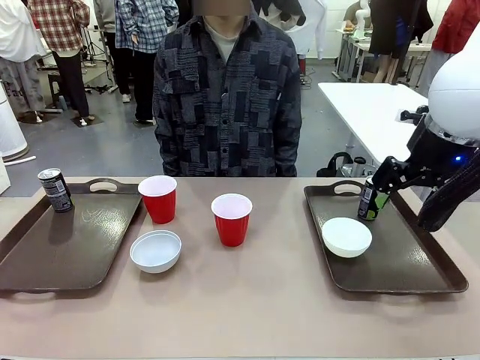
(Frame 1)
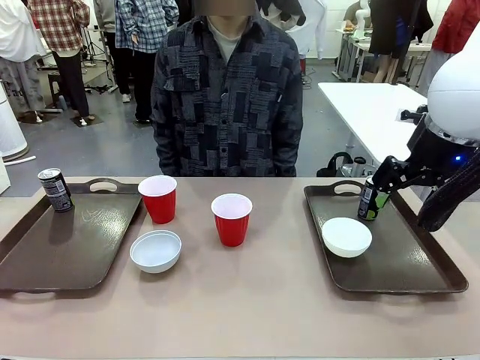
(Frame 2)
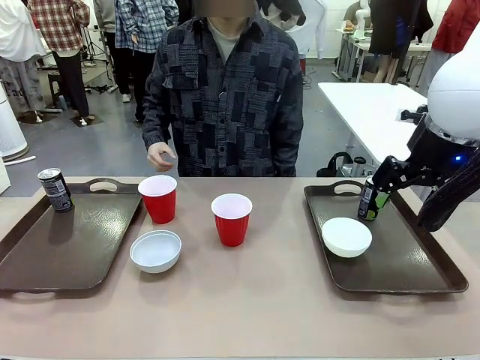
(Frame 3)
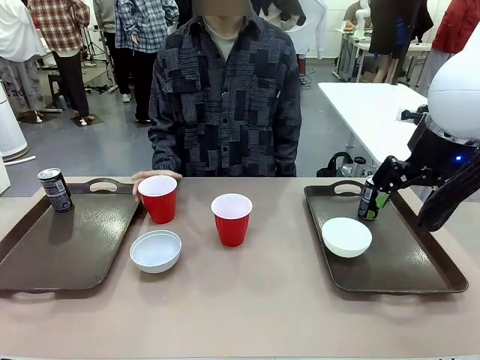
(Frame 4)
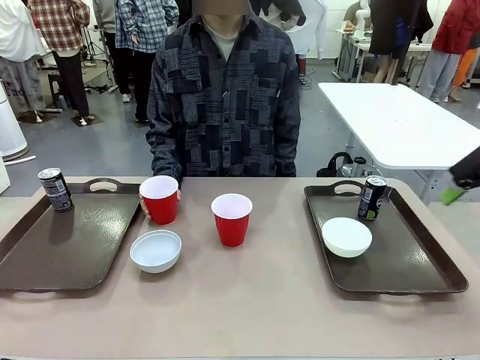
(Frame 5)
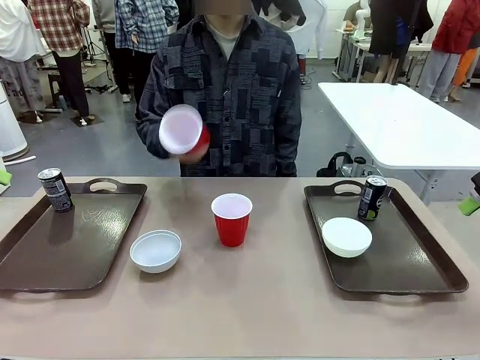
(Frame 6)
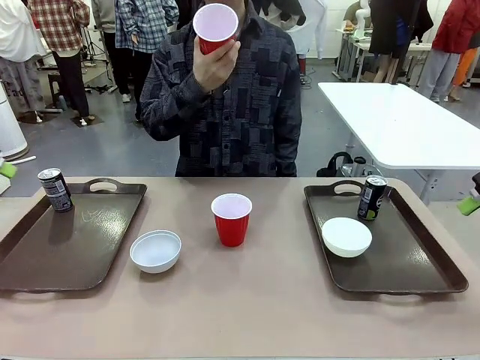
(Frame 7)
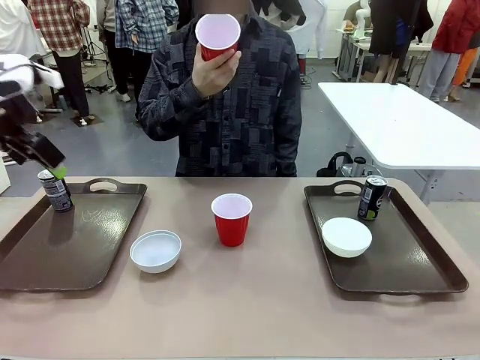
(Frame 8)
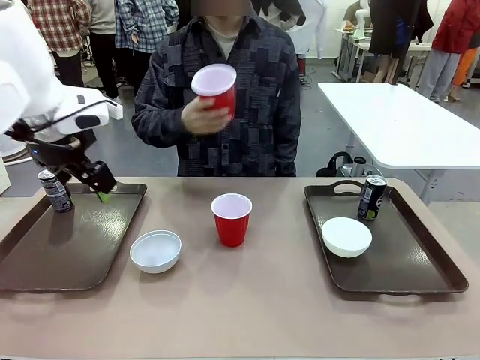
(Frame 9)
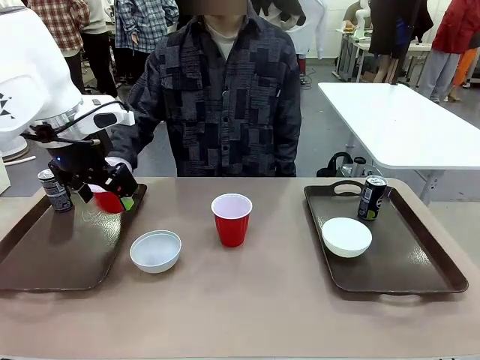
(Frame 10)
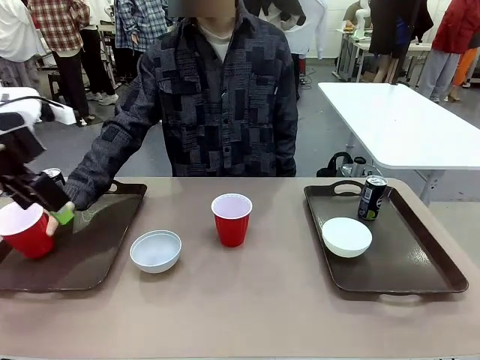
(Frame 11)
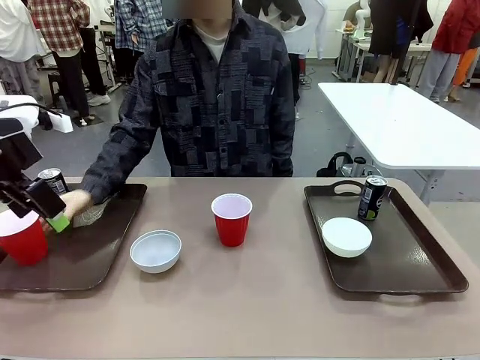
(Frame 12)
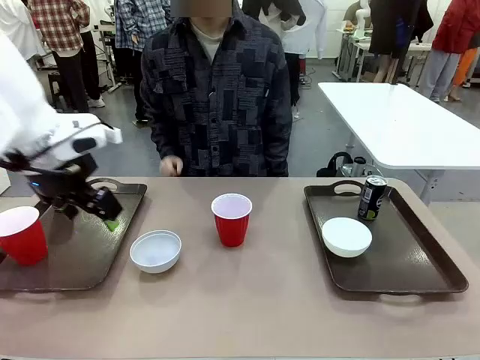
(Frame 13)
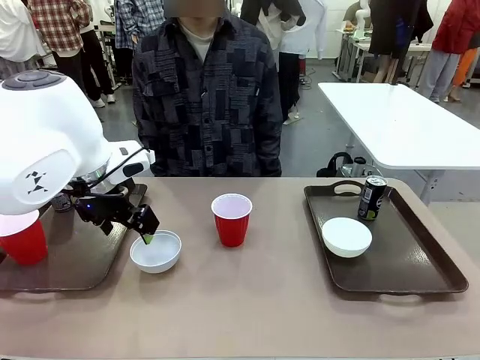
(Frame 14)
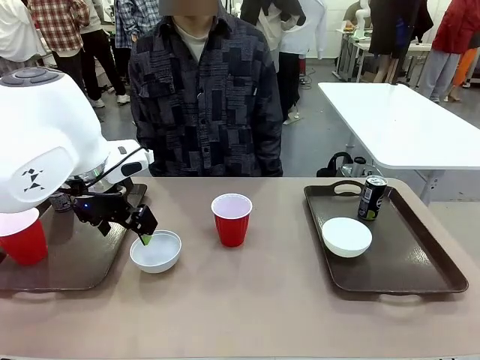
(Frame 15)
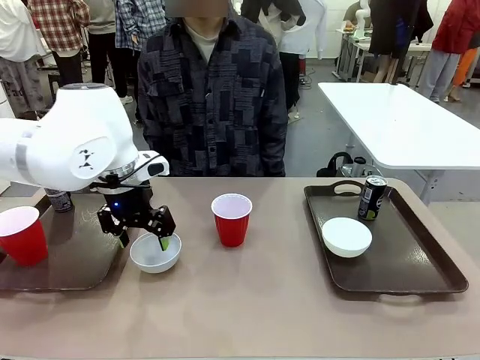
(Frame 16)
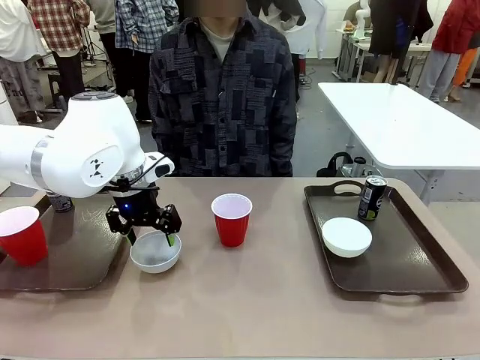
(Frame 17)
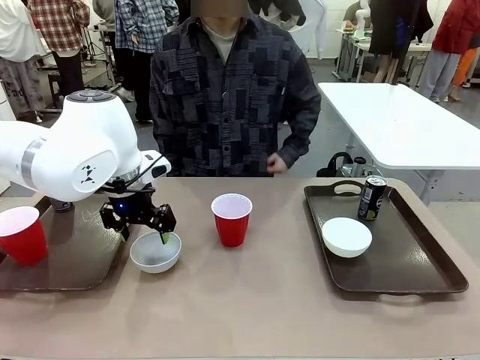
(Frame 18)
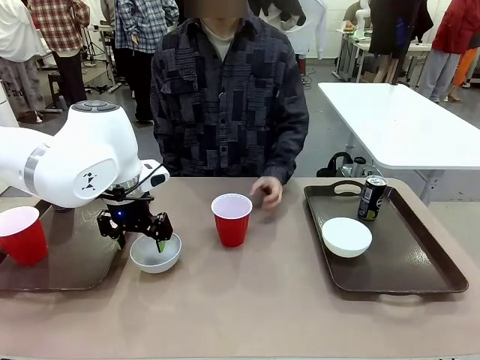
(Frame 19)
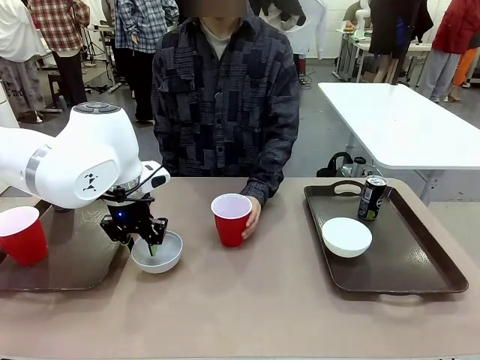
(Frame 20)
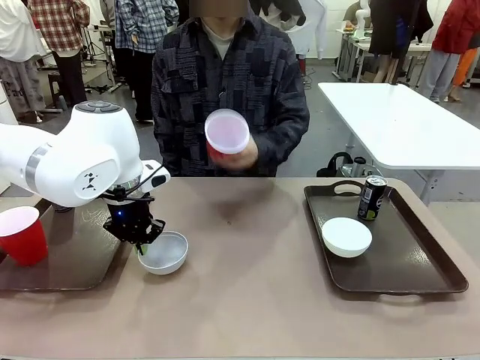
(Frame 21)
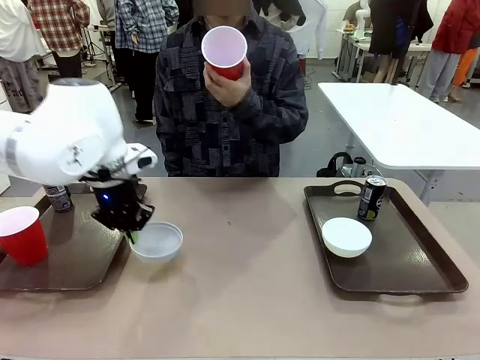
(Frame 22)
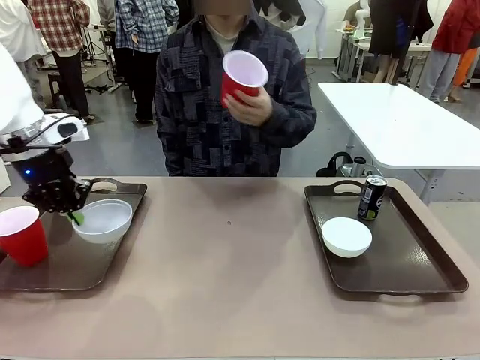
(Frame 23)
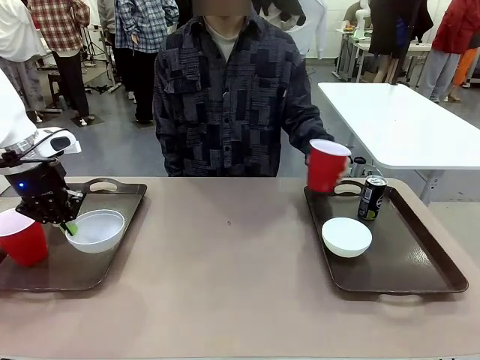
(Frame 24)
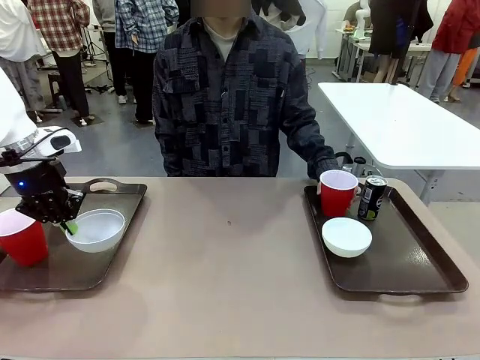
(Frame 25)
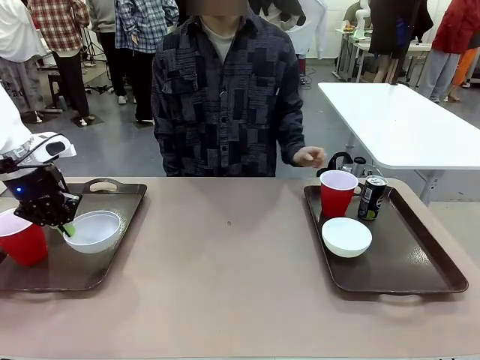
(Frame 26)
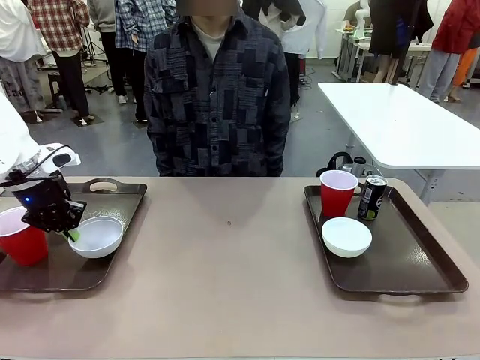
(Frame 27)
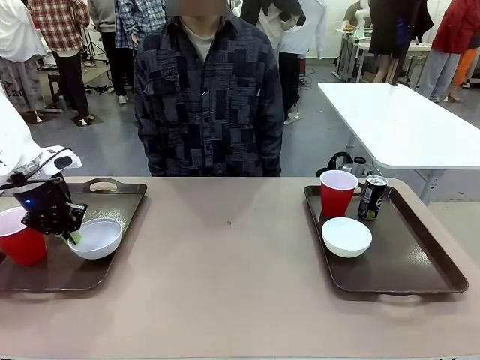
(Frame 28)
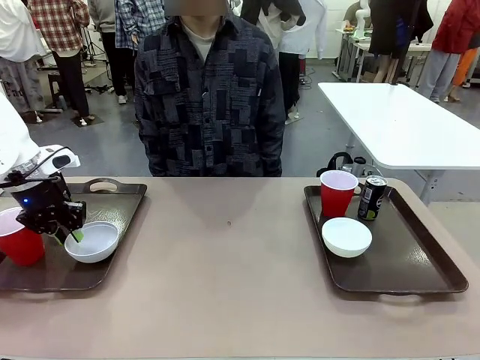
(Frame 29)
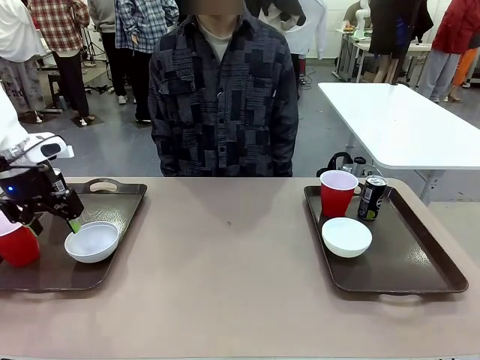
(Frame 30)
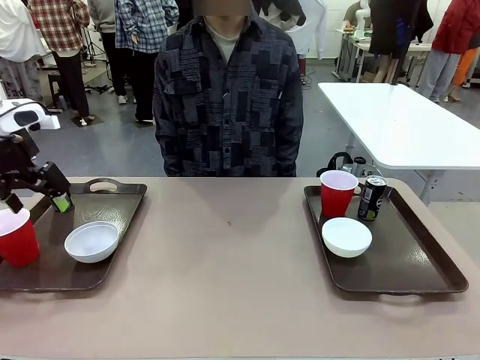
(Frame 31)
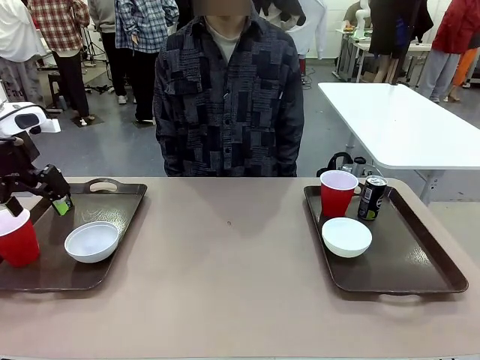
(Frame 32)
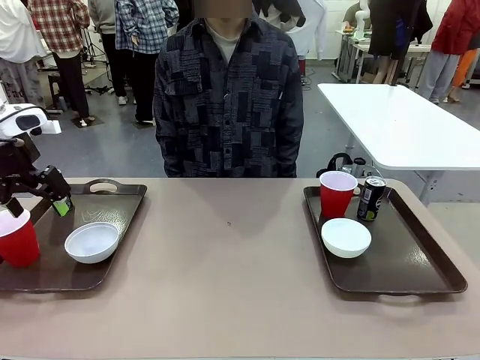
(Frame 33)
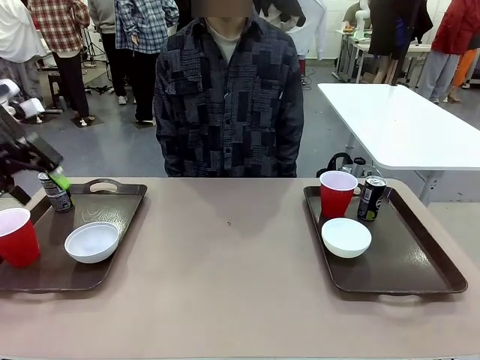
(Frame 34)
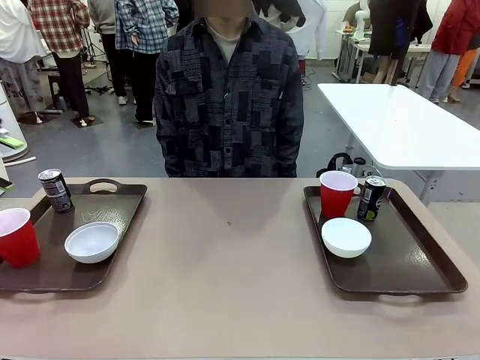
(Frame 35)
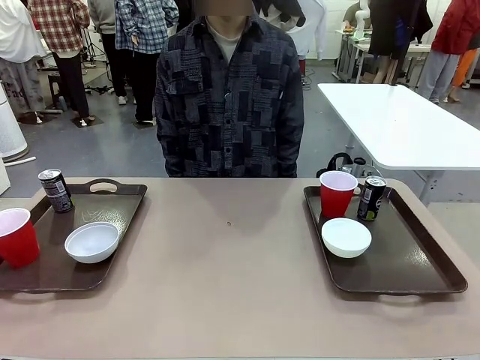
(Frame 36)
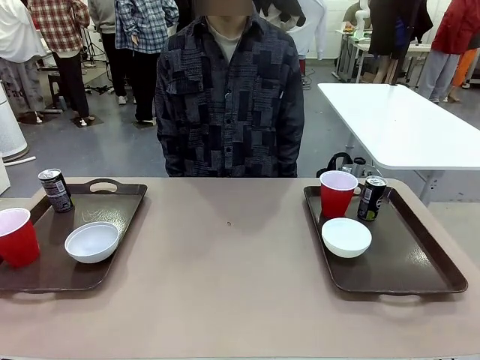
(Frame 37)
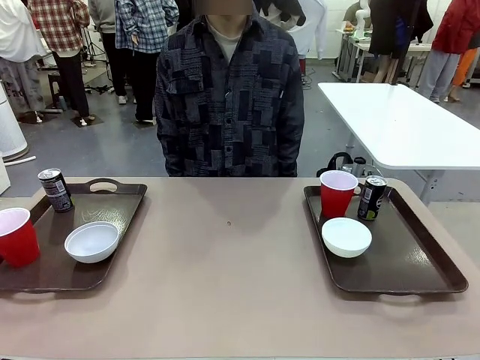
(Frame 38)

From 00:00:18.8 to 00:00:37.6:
Task: Prepare tableware on both trays.
Robot: Pick up a Picnic Bowl from the table and place it on a Handle tray.
Person: Pick up a can or cup and place it on the tray without a can or cup.
